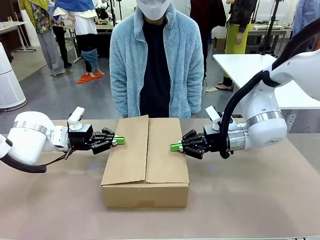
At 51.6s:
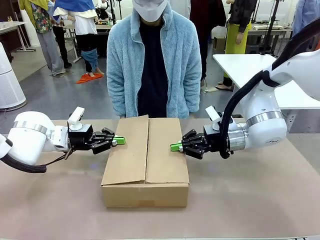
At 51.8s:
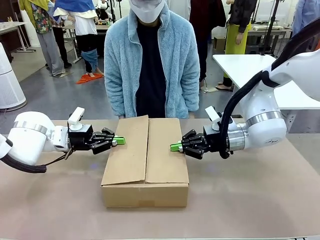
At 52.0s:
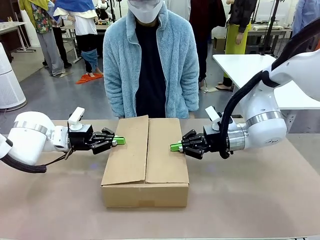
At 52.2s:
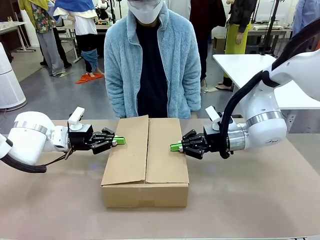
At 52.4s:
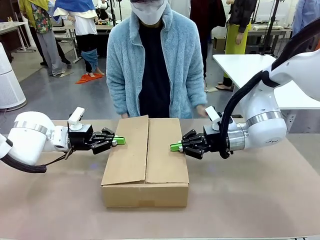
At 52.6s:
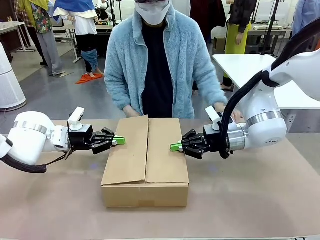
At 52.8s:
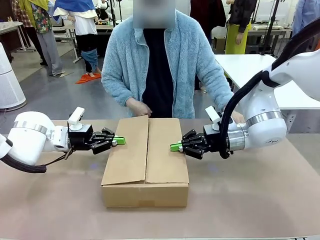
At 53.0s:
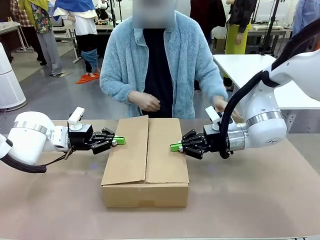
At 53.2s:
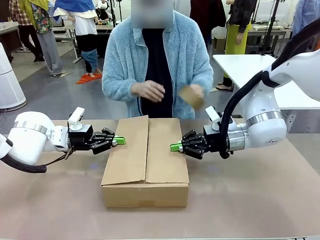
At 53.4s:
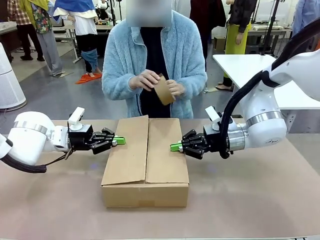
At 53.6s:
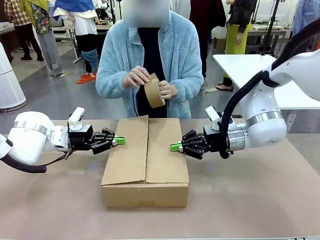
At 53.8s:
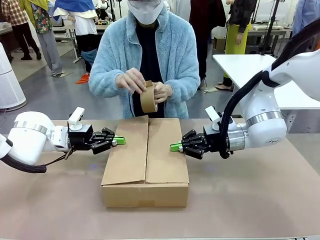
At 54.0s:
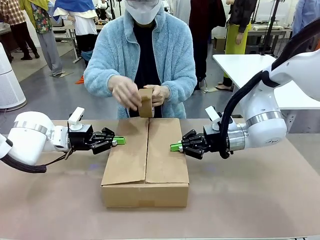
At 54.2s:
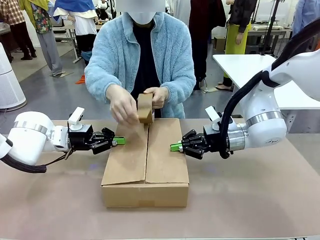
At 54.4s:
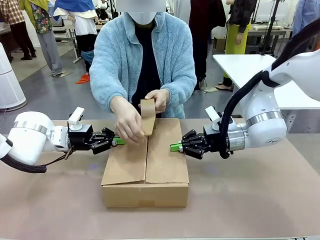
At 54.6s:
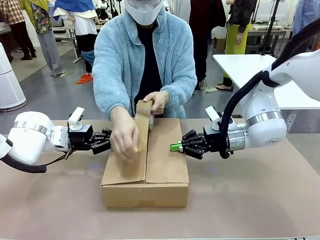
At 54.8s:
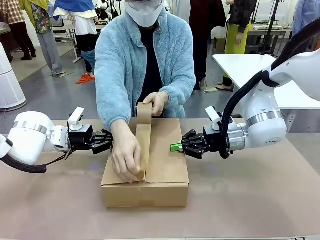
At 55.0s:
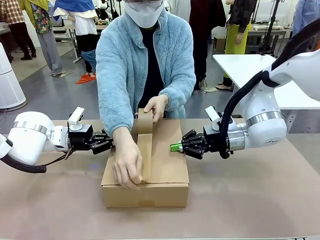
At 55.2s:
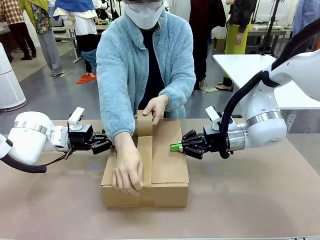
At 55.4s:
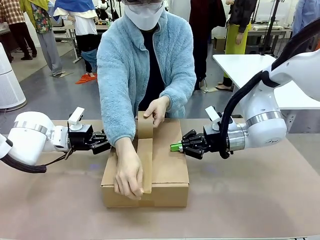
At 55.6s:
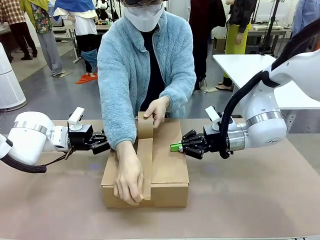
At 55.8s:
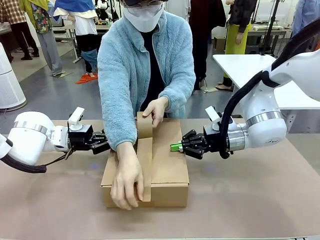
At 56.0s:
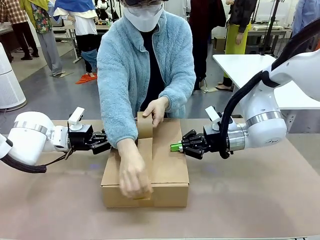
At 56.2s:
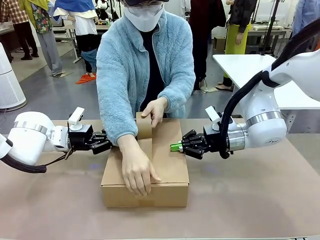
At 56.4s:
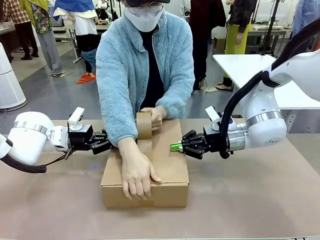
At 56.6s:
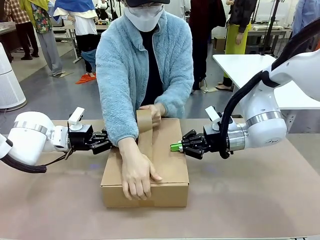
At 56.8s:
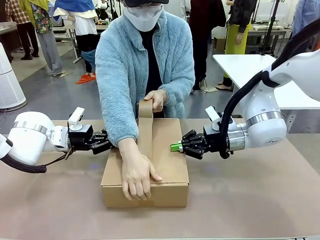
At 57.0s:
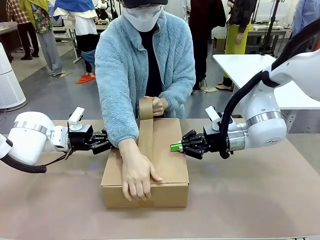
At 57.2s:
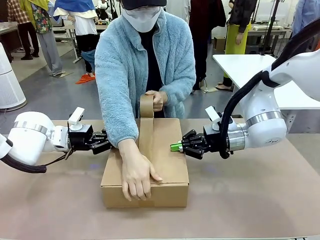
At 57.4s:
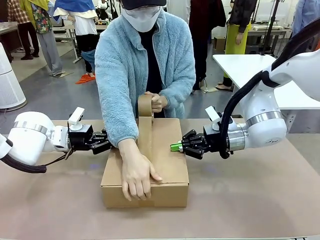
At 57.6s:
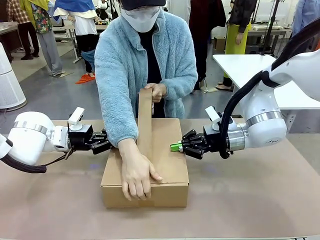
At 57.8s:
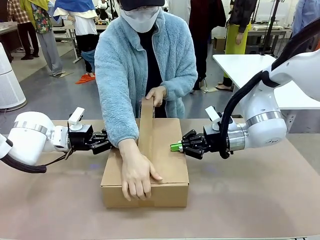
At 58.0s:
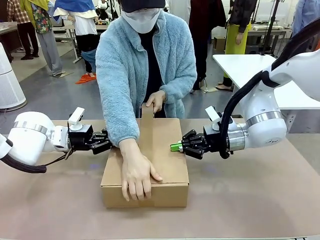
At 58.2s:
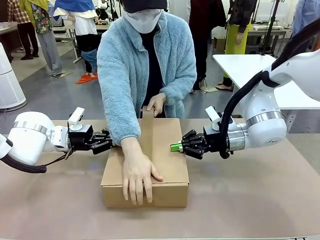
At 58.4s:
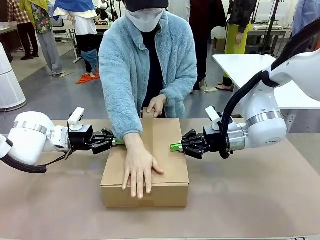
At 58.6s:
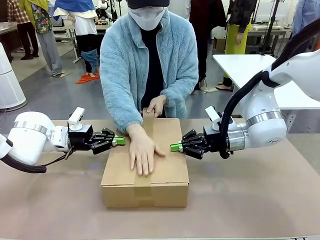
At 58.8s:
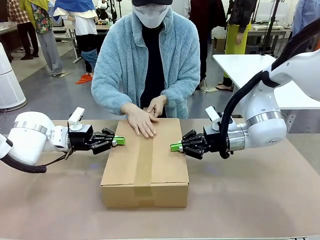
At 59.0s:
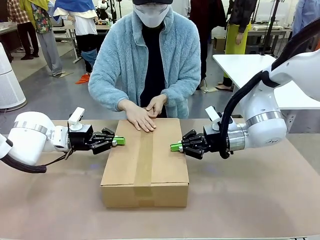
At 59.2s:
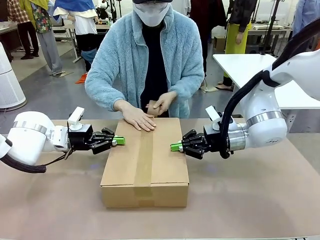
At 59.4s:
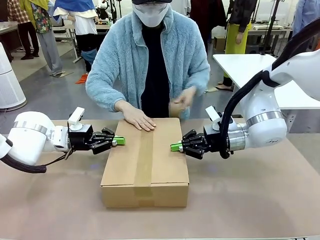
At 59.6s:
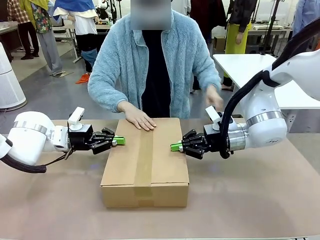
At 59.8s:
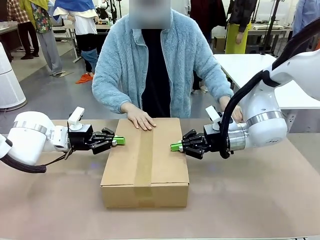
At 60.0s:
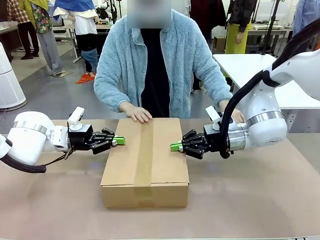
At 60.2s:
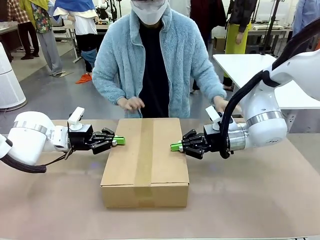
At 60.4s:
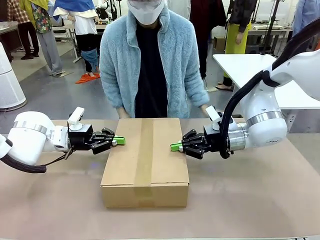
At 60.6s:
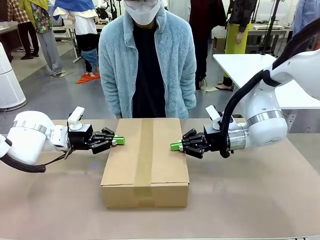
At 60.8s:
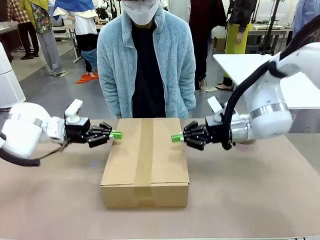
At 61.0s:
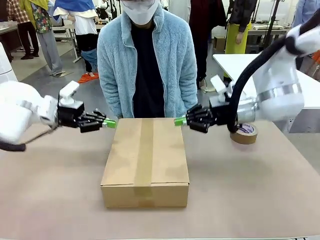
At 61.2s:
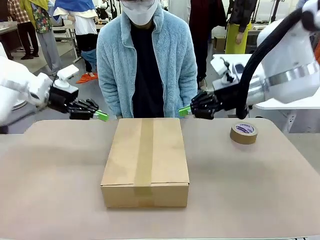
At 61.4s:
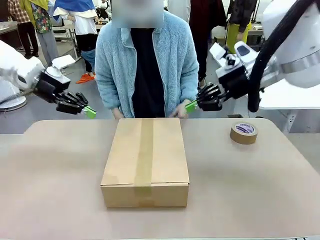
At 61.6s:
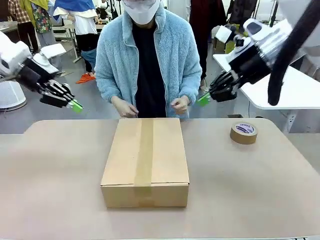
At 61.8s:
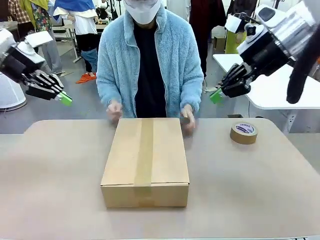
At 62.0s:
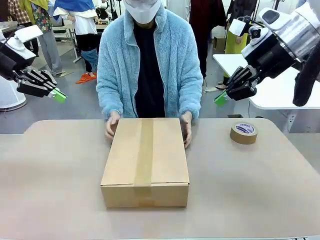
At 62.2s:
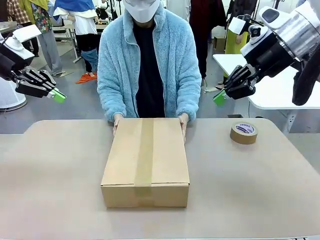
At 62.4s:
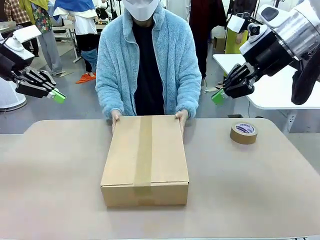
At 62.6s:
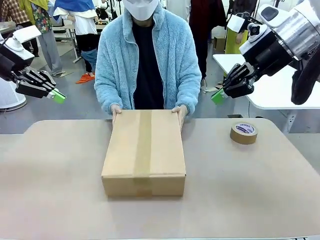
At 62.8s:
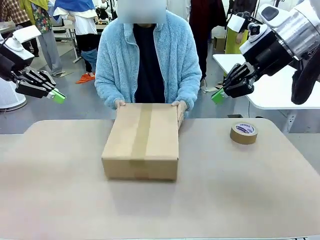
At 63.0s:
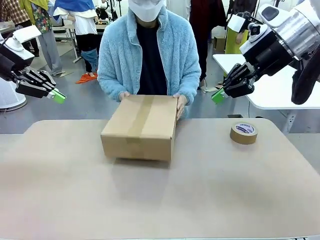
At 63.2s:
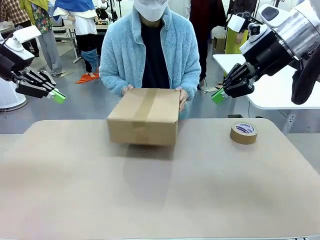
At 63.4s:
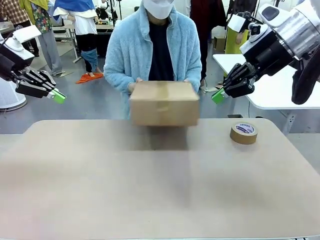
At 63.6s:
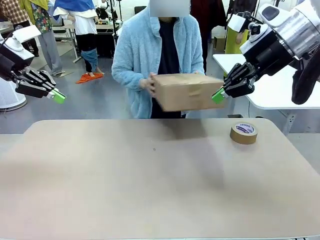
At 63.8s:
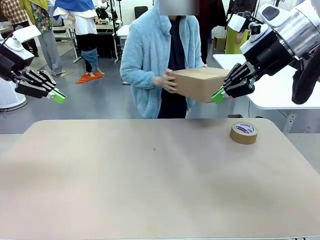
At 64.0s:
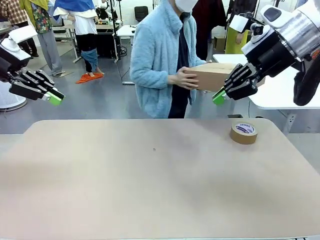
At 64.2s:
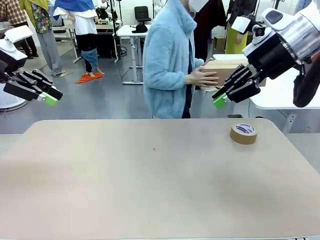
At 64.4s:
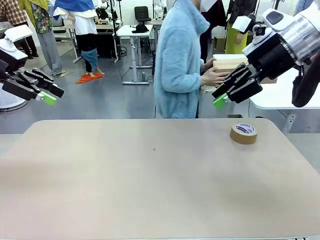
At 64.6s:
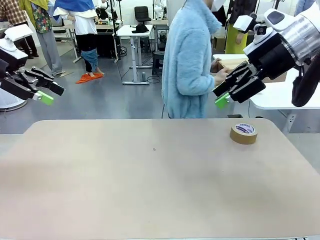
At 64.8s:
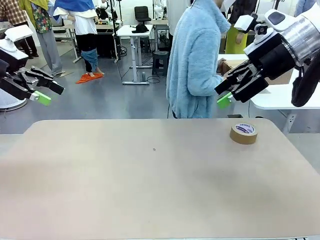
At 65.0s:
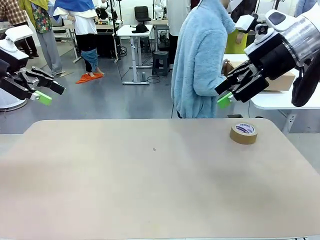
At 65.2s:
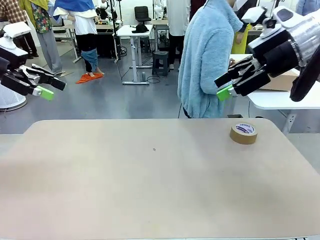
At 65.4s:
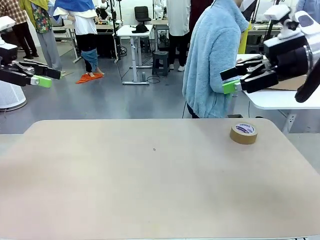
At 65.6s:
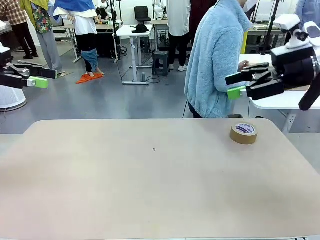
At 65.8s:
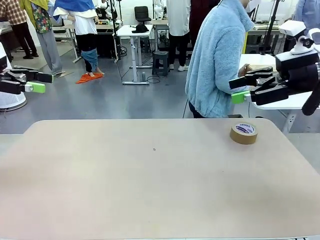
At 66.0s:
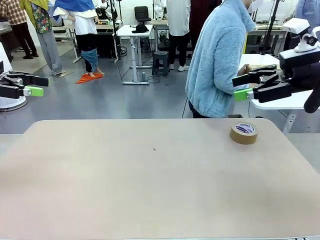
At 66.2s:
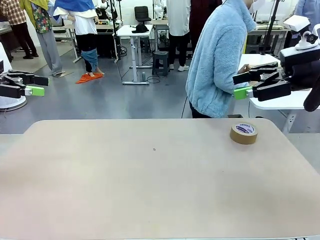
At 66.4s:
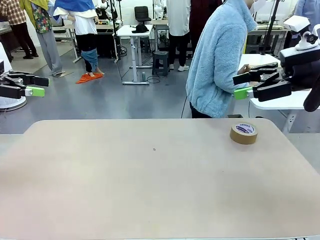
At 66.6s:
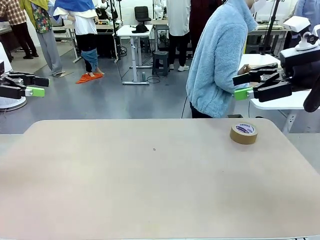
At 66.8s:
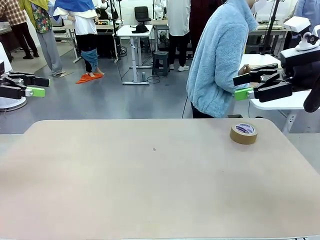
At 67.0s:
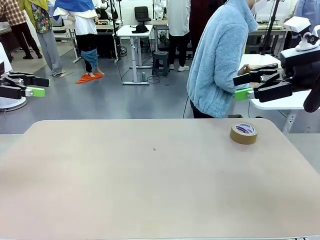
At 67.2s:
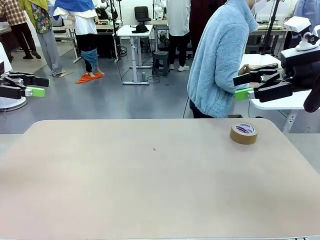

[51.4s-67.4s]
Task: Wrap the clocks to prevent damage.
Robot: After the human seals the box with tape, release both hands from the side flaps of the Package Box.
Person: Once the robot closes the left flap of the Package Box , seal the box with Paper Tape. Place sealed Package Box in the middle of the human's table.

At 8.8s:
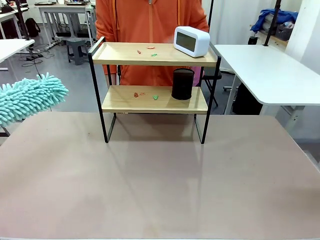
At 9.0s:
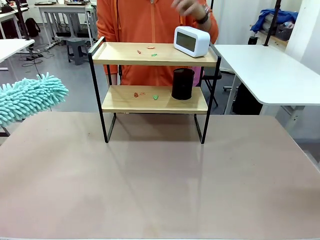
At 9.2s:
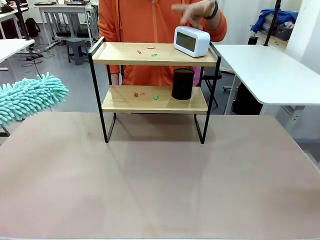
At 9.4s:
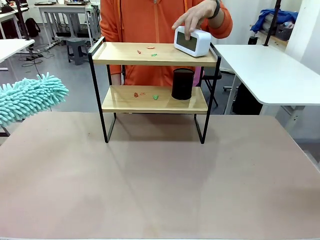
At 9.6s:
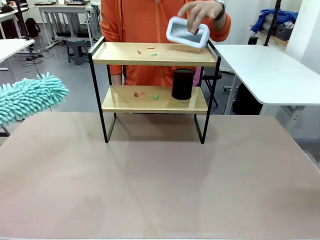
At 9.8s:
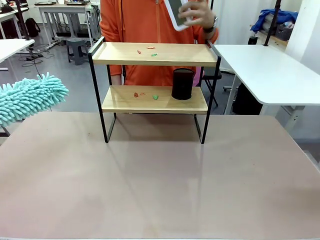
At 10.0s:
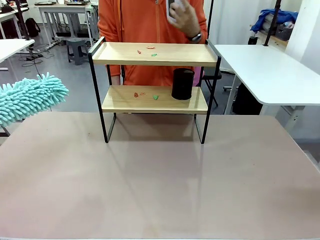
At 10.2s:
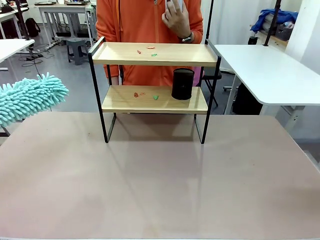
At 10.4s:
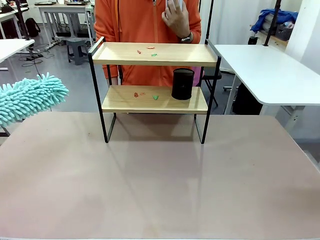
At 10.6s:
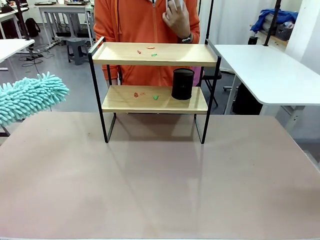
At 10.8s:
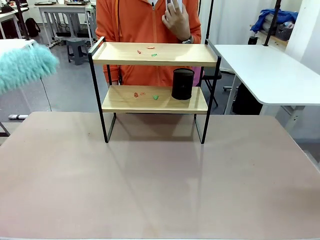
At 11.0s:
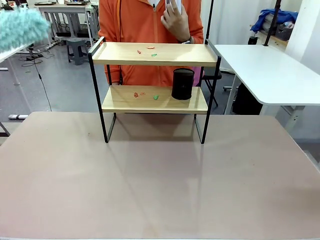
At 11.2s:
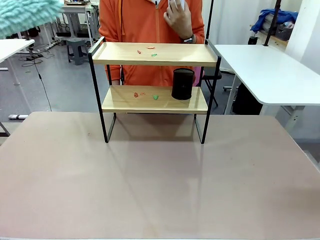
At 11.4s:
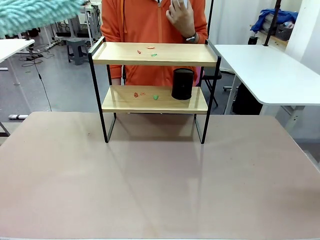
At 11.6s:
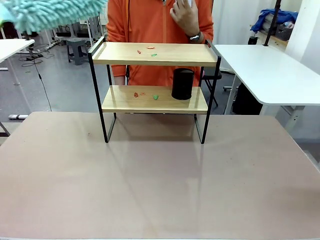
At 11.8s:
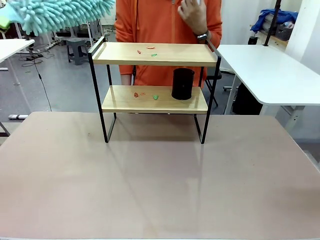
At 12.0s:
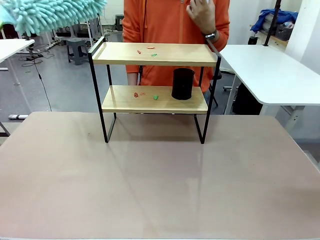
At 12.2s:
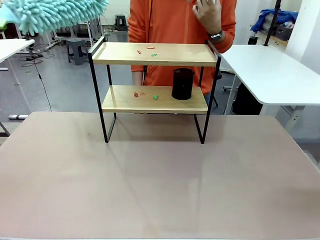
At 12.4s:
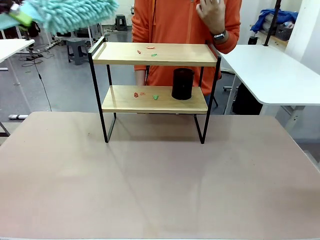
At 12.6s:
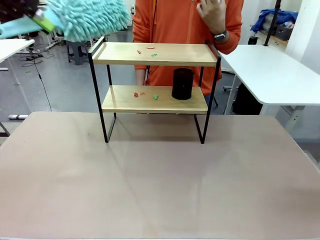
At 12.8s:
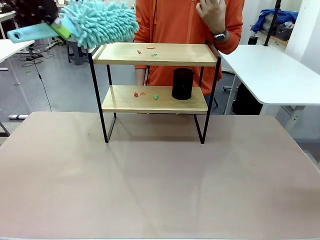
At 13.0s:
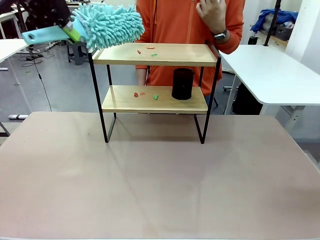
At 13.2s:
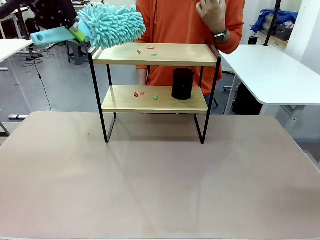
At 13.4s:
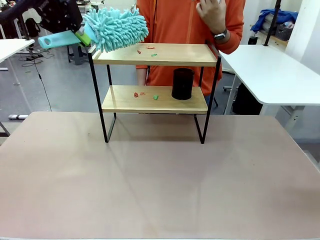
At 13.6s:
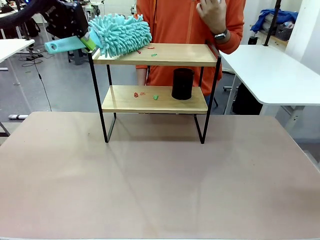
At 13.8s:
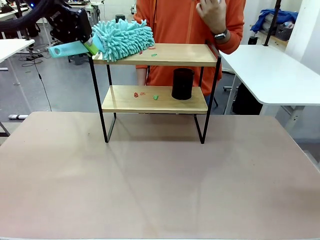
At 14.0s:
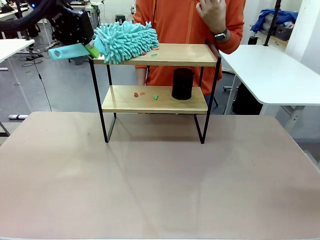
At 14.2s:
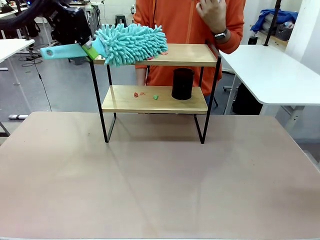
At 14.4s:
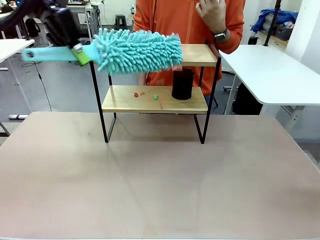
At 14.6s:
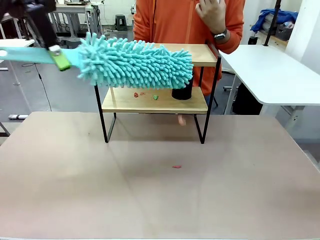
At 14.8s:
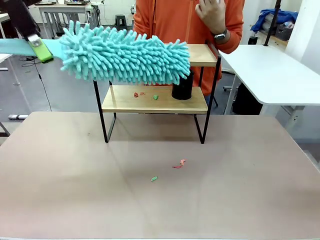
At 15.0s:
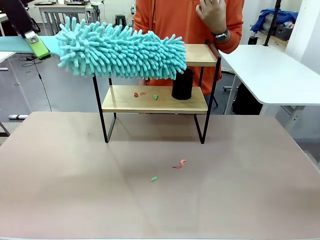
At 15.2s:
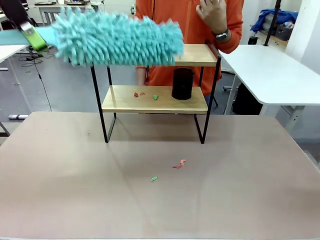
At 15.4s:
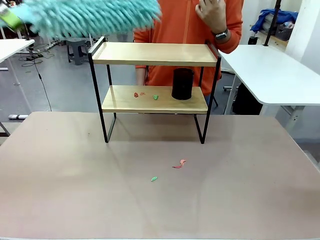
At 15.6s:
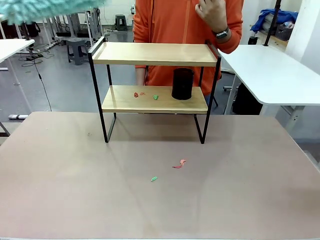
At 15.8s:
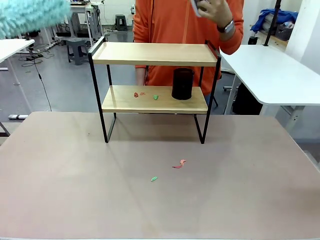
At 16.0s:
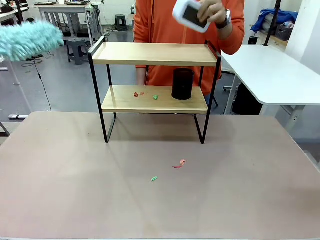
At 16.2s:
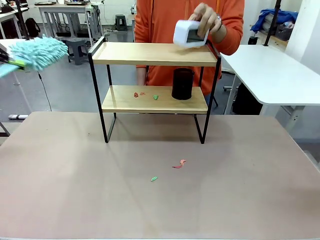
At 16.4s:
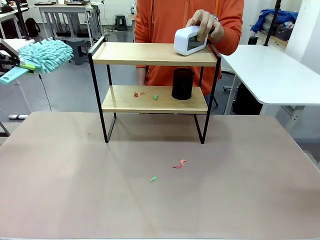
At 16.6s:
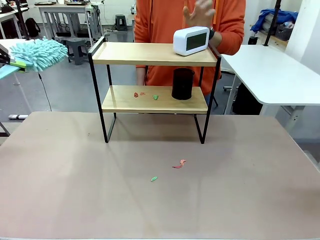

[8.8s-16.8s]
Task: Clean the shelf.
Robot: Clean the specific tier of the Shelf with the Duster once objects are removed.
Person: Lift the objects on a randomly selected tier of the Shelf. Once the robot finishes cleaning, lift the objects on the remaining tiers of the Shelf.
